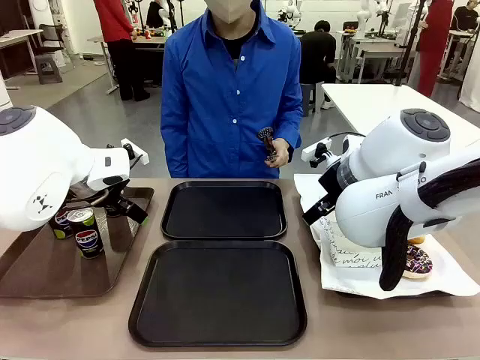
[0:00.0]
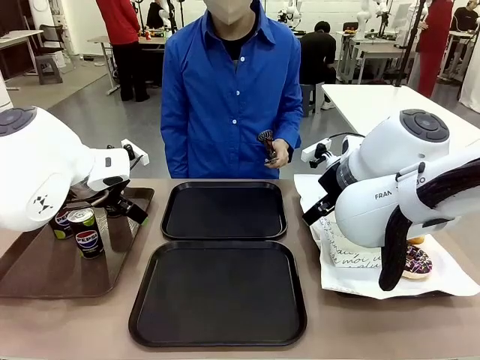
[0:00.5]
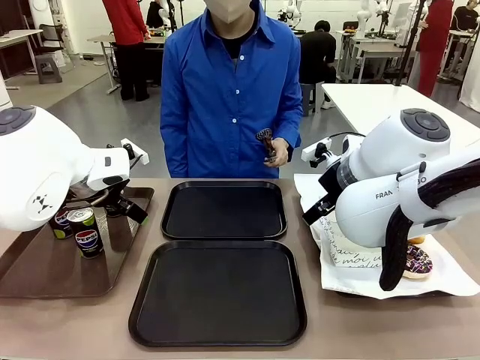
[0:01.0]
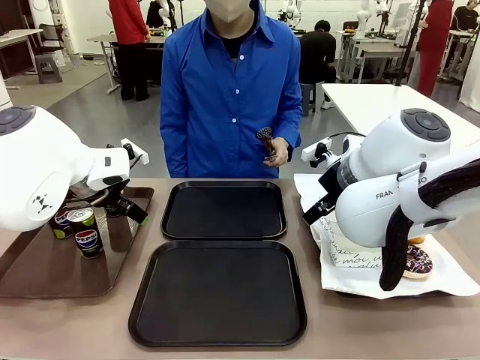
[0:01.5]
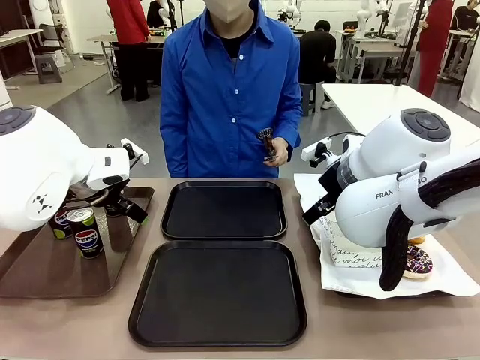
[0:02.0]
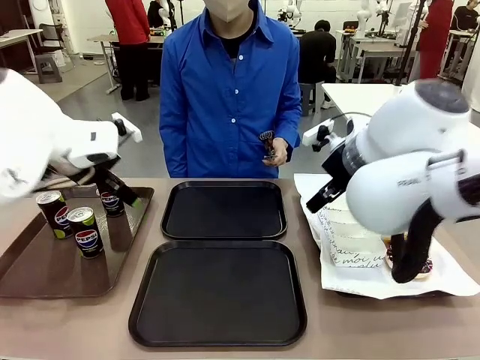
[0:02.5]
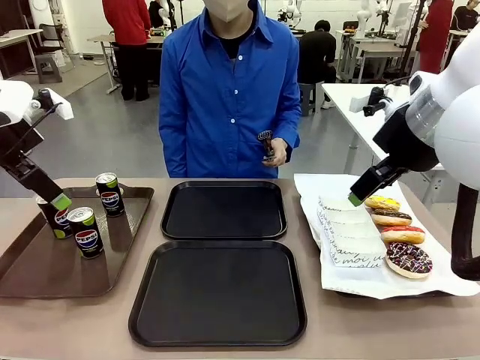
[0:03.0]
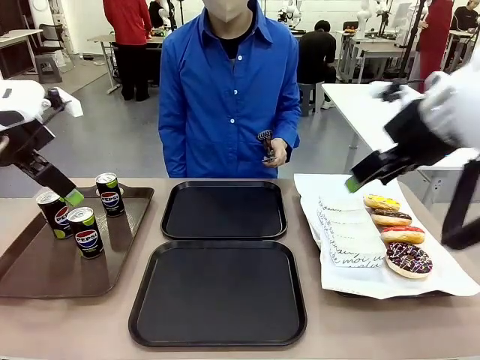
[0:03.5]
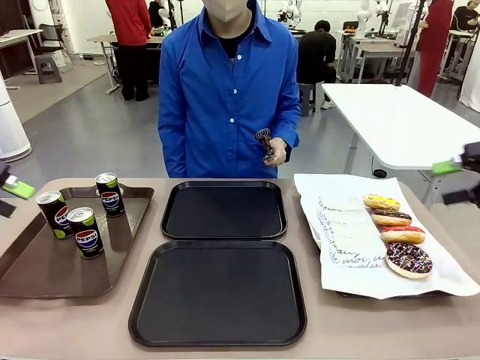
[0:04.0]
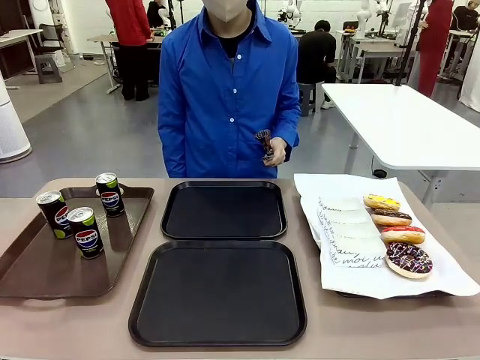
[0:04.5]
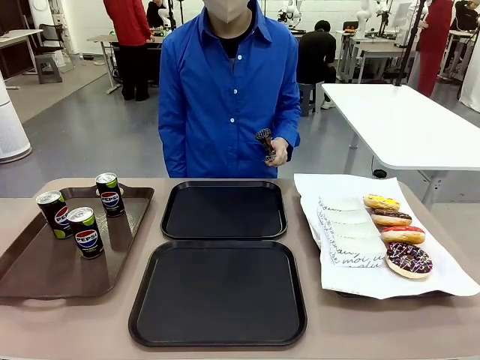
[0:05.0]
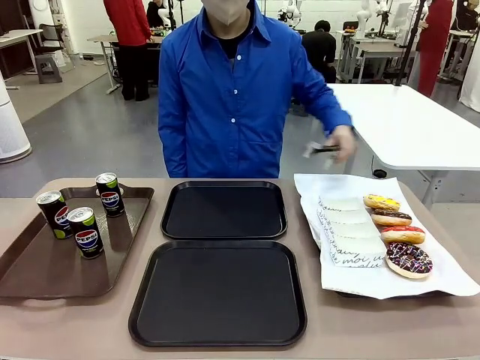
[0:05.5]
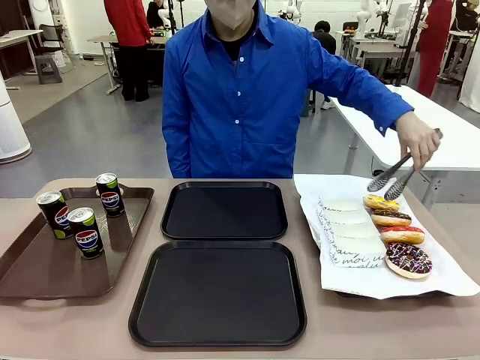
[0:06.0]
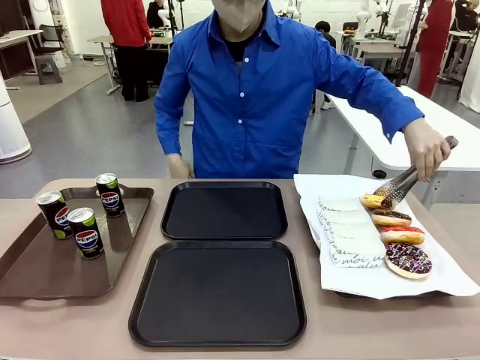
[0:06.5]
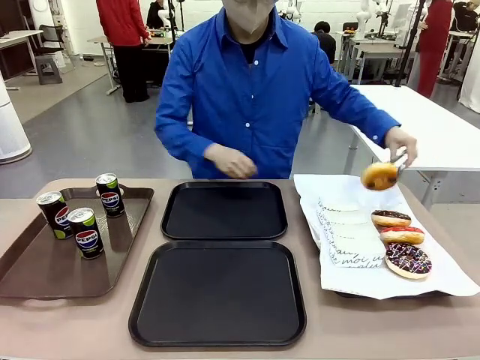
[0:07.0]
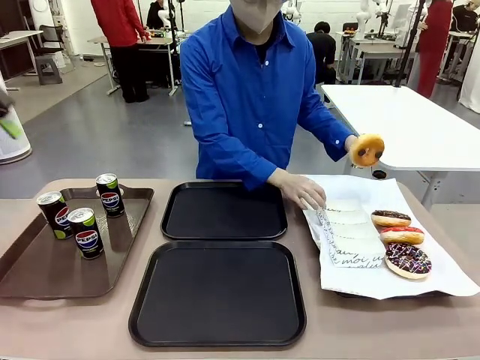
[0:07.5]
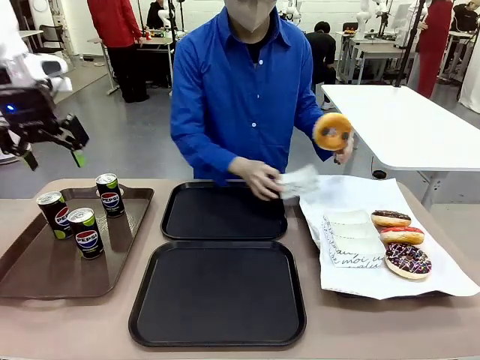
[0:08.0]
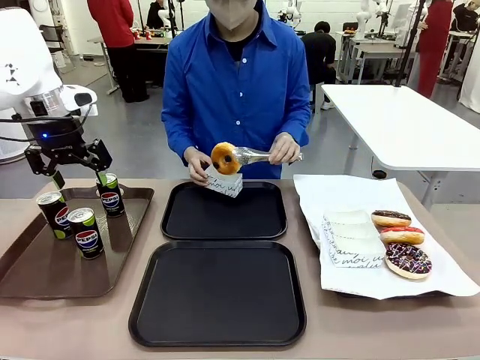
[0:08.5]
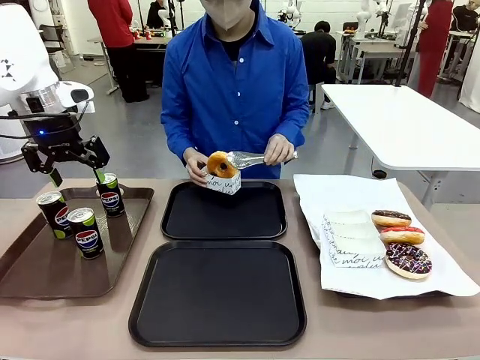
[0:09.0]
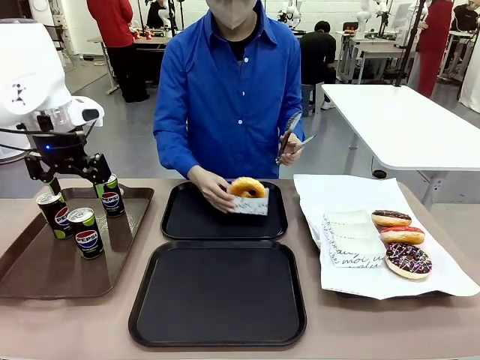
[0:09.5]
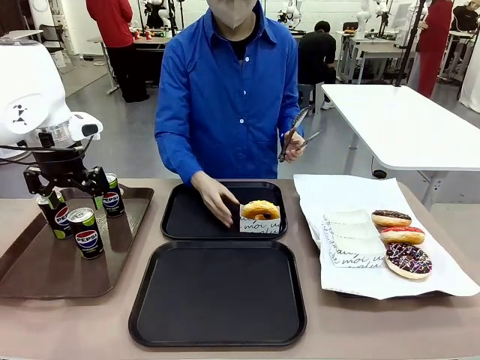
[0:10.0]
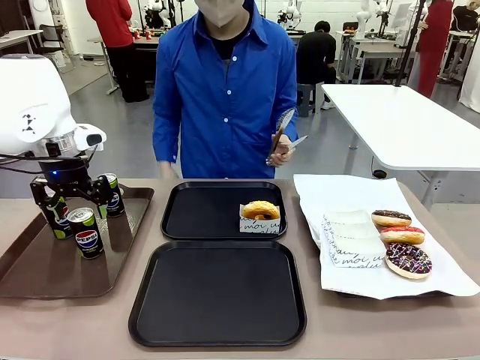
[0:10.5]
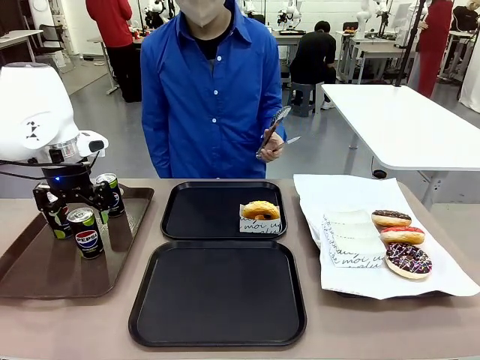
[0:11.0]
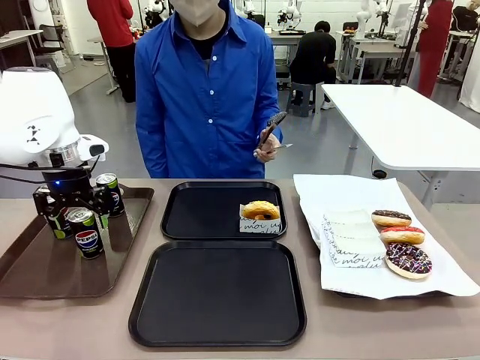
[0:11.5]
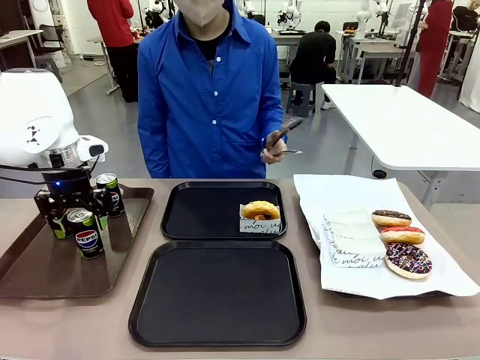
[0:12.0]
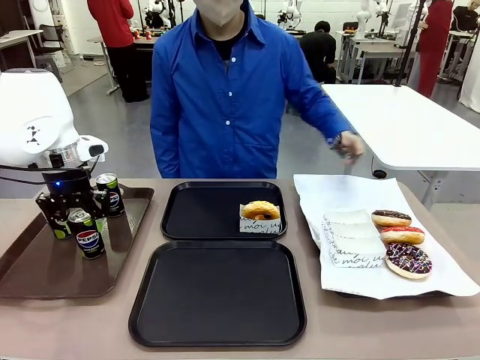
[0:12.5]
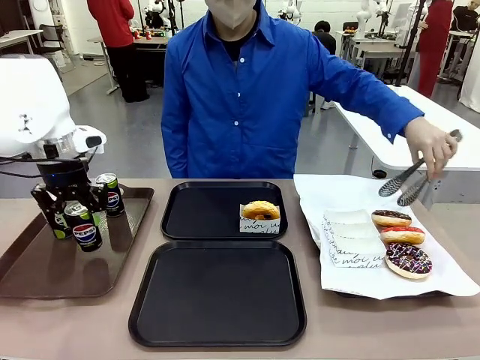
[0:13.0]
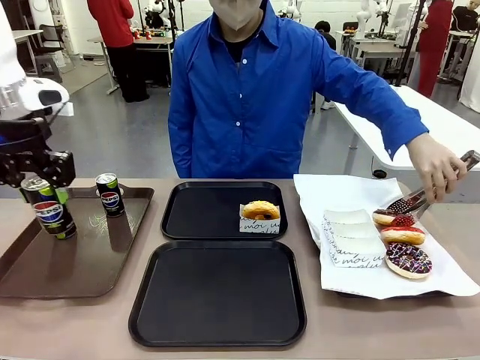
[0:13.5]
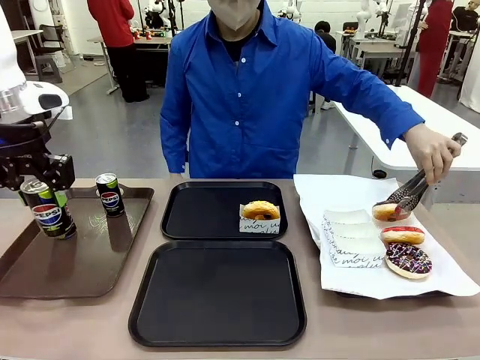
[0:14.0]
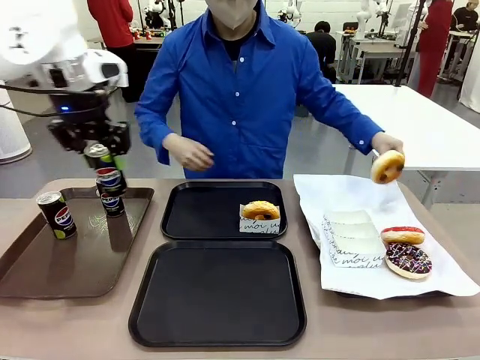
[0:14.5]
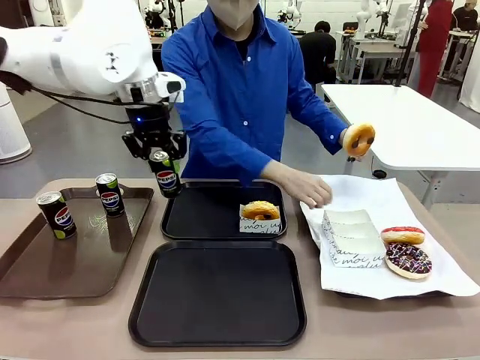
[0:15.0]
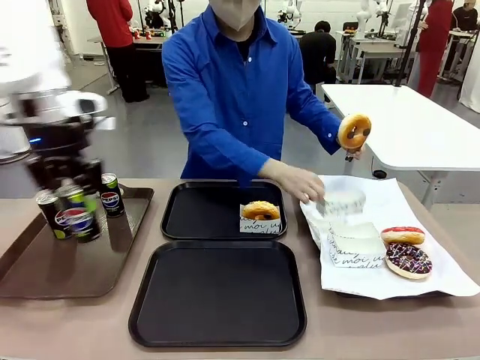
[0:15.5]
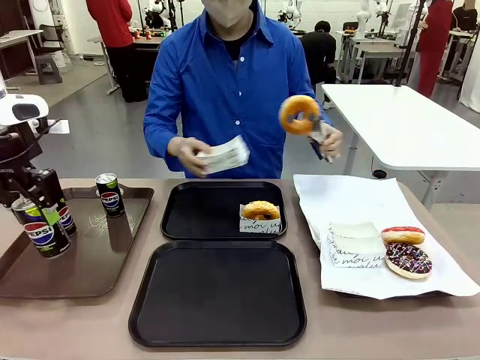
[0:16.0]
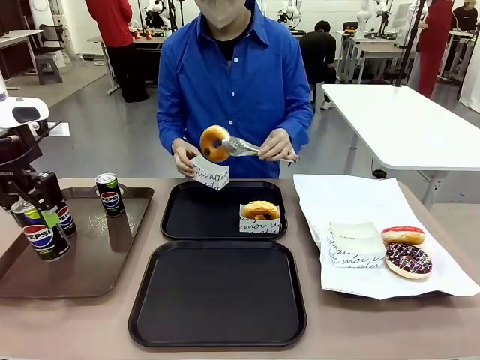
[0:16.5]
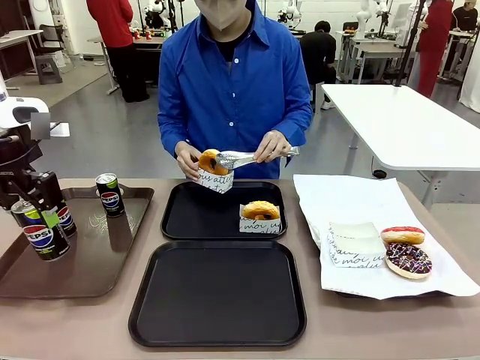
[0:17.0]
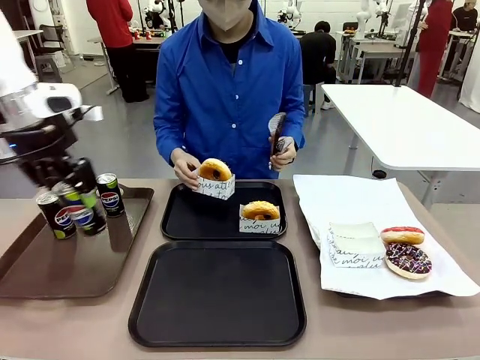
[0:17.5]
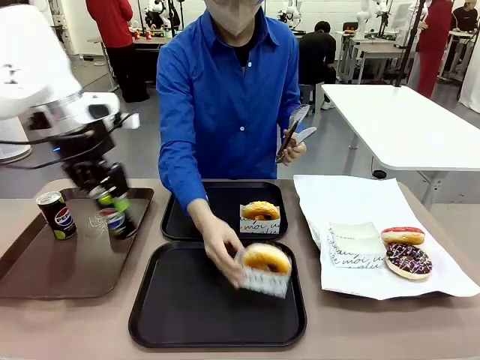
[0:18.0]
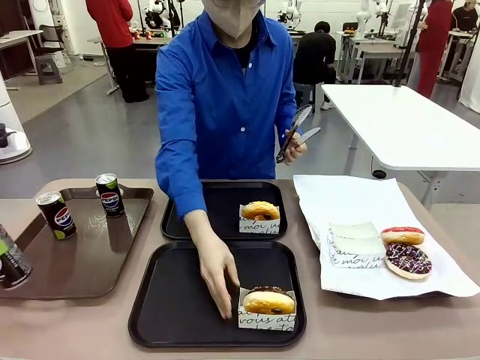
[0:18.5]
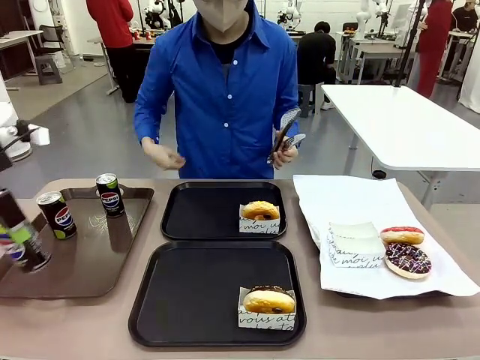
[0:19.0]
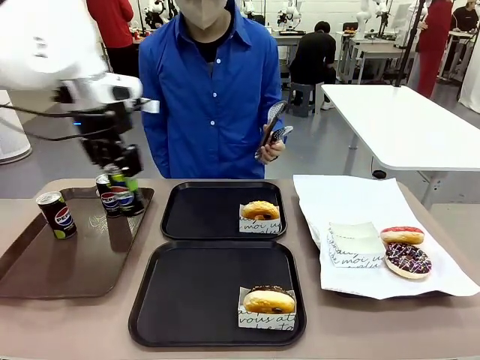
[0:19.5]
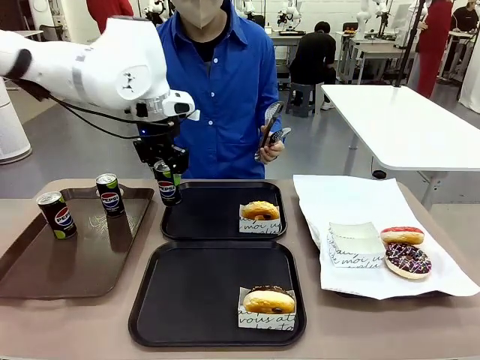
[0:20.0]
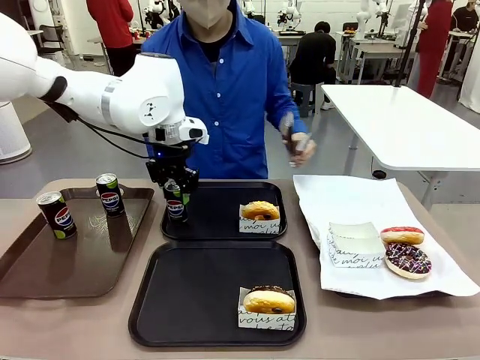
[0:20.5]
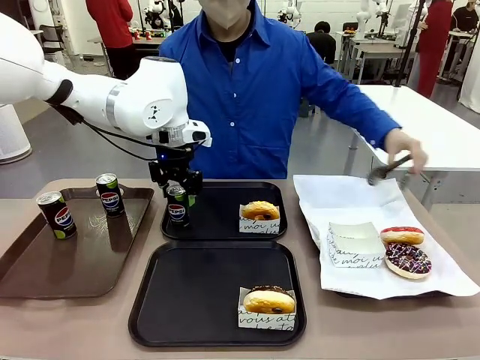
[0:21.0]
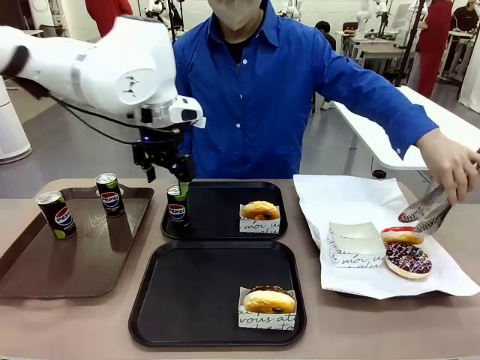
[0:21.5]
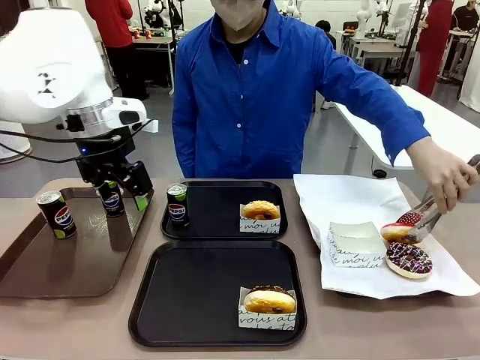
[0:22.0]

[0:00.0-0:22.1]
Task: Set up donuts and drinks on trays.
Robot: Pick up one Pepsi coke and place it on the Flat Tray.
Person: Pick up one donut with tongs, place it in the donut tray, and then place the donut tray on the flat tray.
